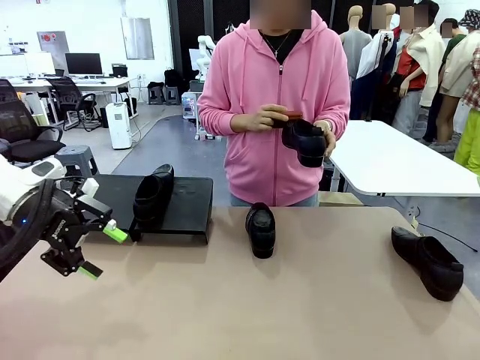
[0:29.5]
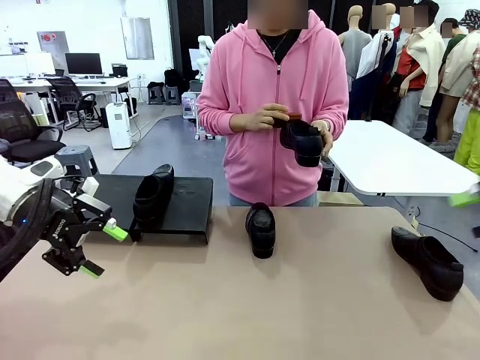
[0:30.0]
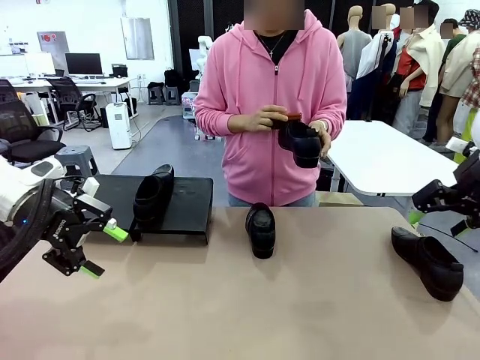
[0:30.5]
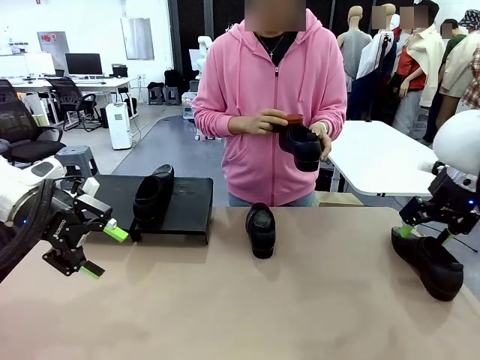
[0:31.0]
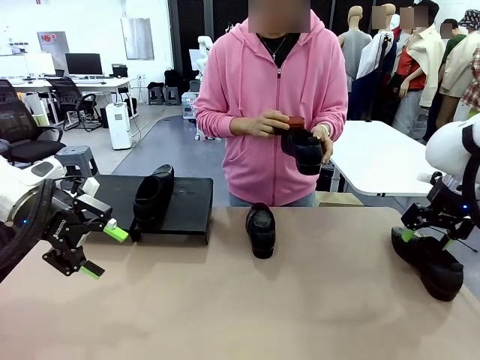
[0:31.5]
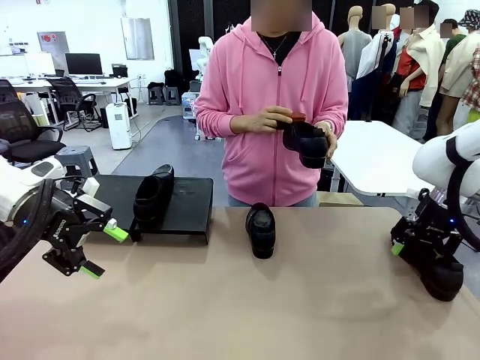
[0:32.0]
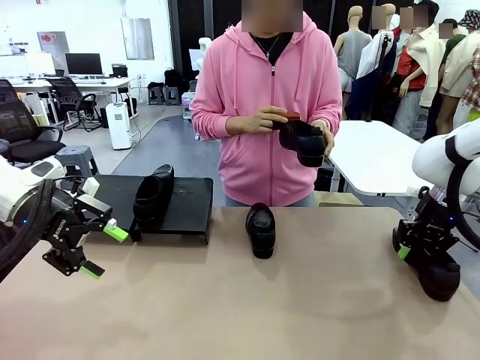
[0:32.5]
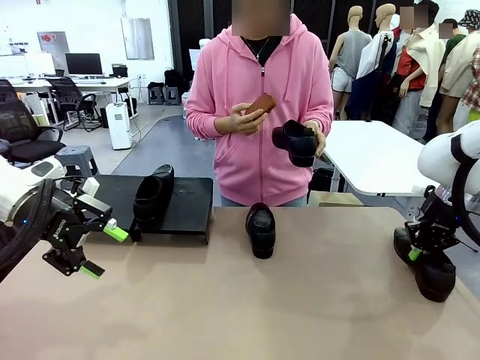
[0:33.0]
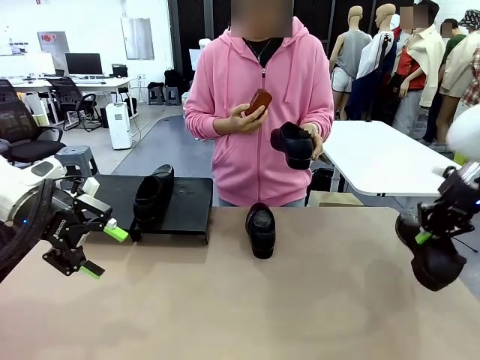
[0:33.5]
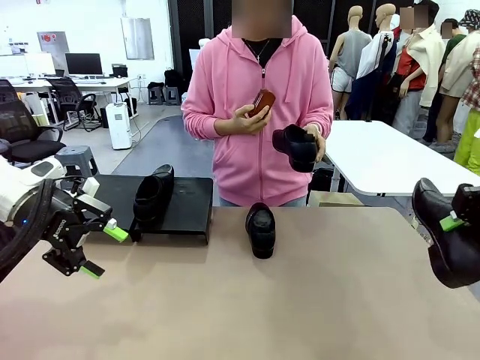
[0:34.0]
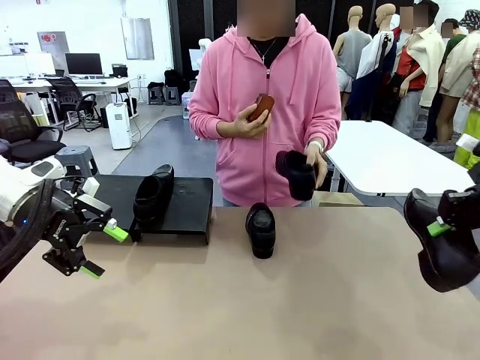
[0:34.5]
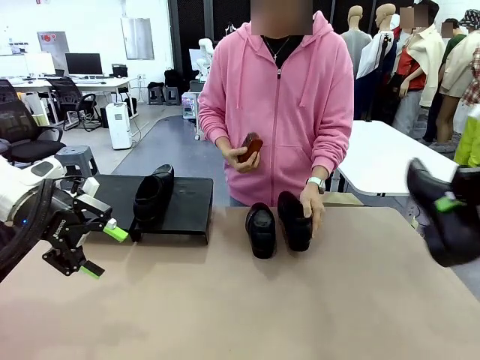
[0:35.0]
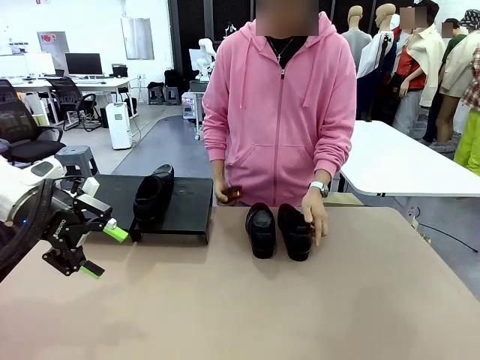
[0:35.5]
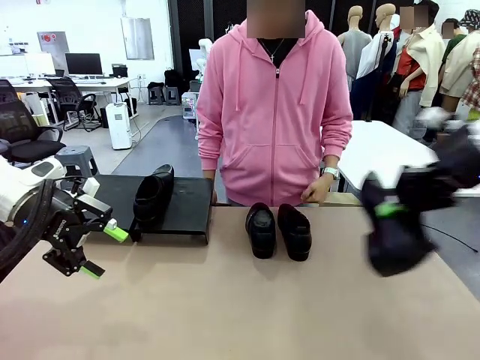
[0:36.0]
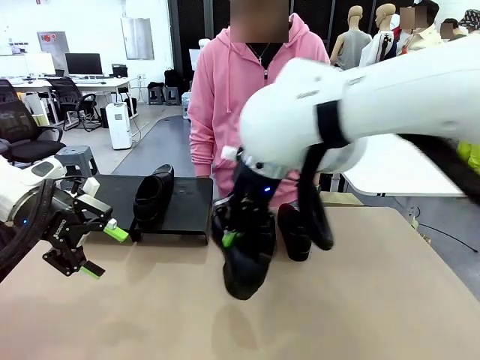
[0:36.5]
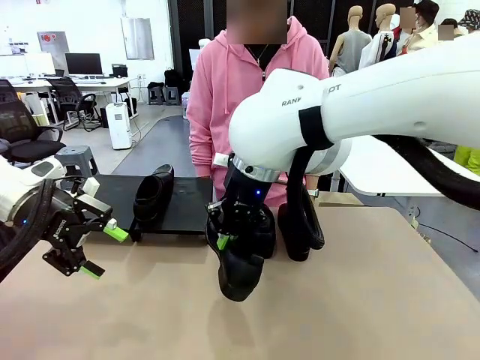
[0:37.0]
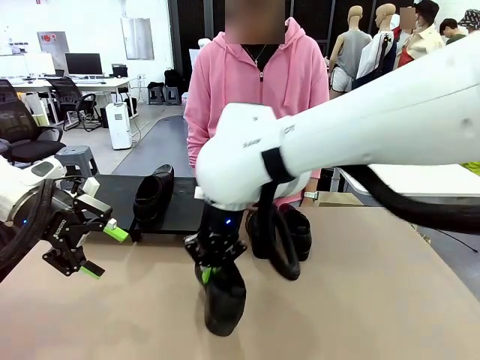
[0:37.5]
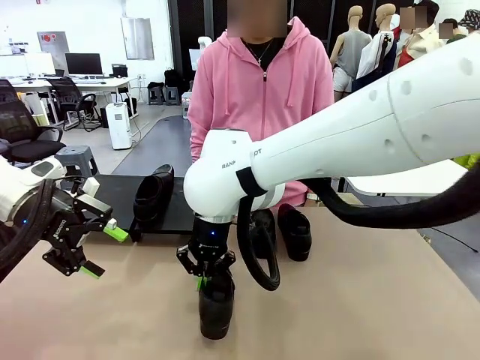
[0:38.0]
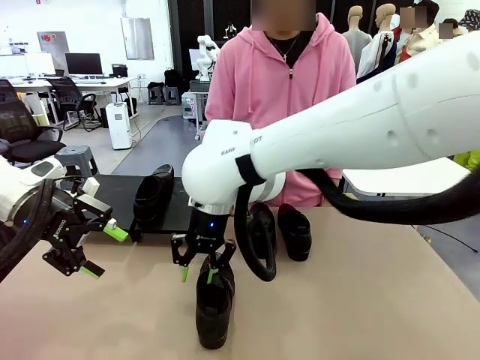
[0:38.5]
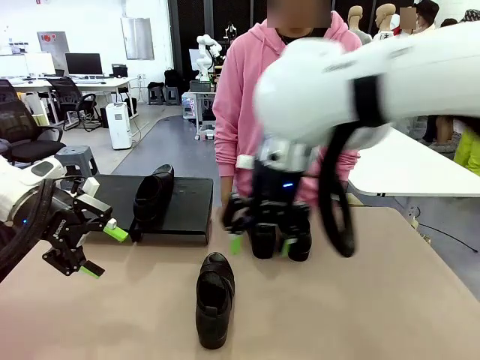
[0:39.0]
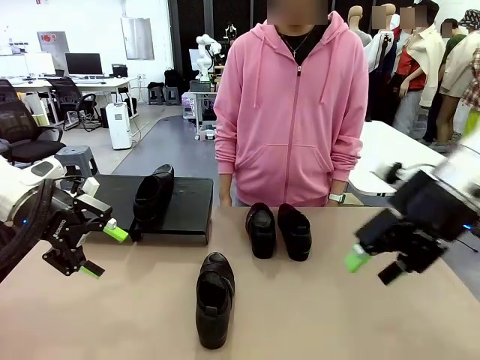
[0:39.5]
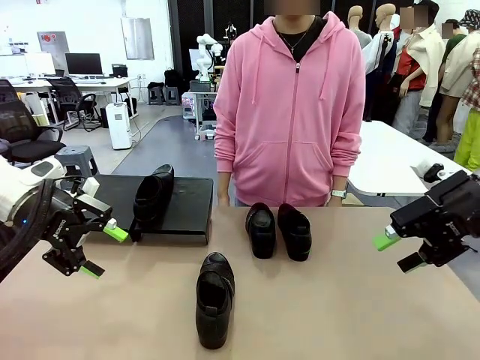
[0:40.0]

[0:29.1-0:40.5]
Task: Organize the shoes by placing them on the stand.
Robot: Pick up one Shoe and place it in the middle of the table.

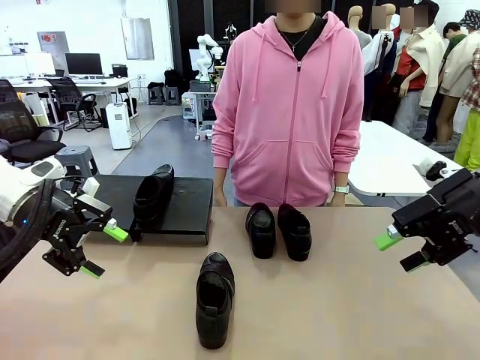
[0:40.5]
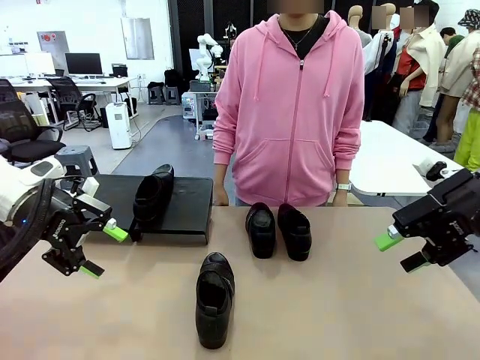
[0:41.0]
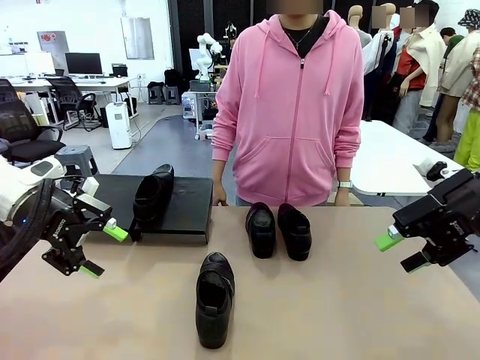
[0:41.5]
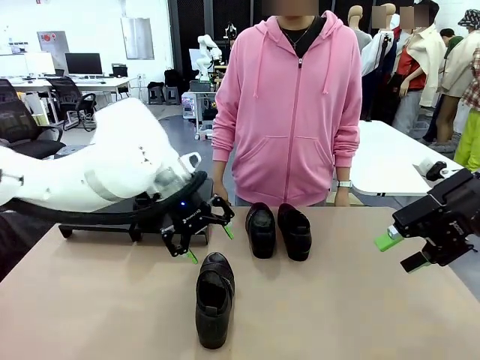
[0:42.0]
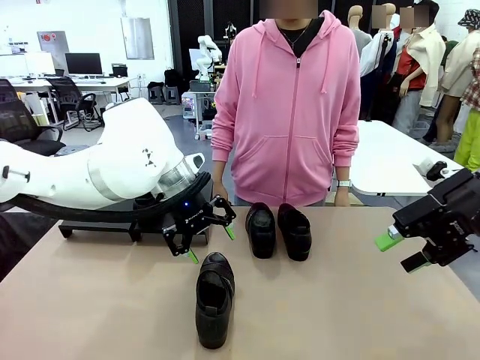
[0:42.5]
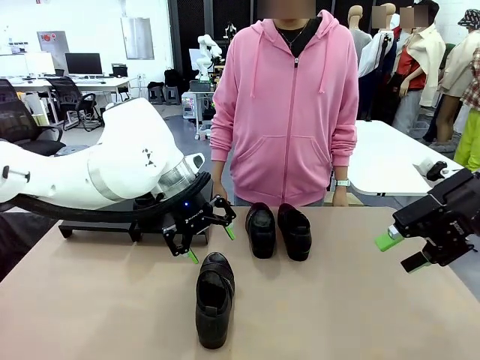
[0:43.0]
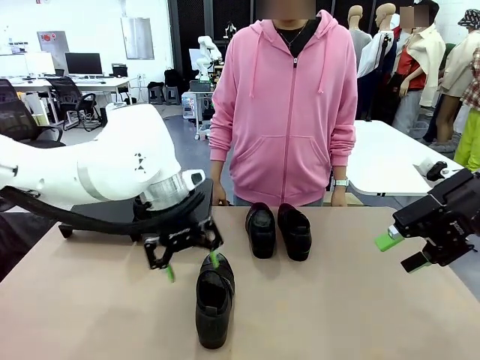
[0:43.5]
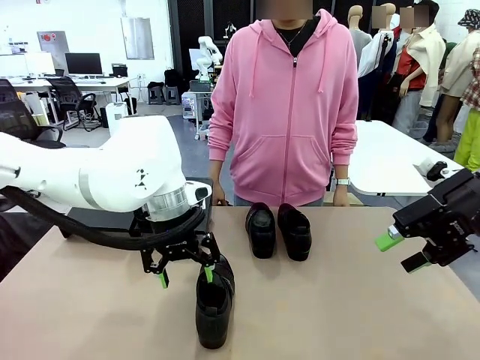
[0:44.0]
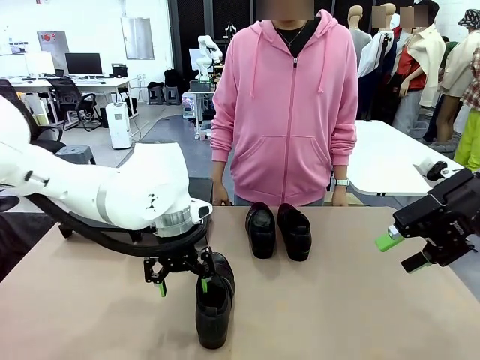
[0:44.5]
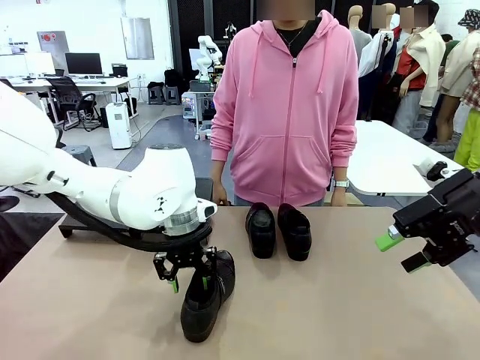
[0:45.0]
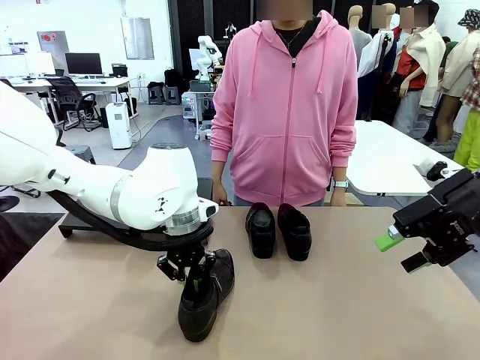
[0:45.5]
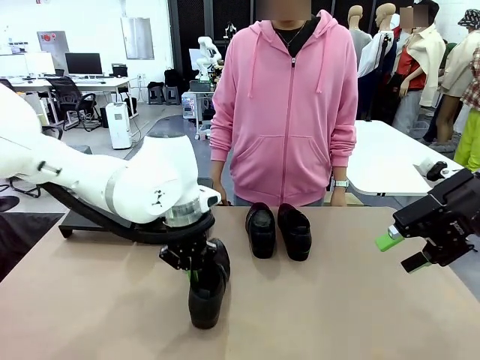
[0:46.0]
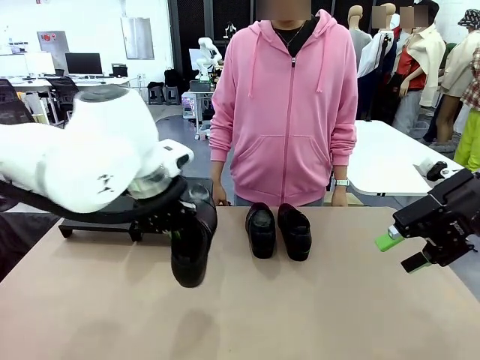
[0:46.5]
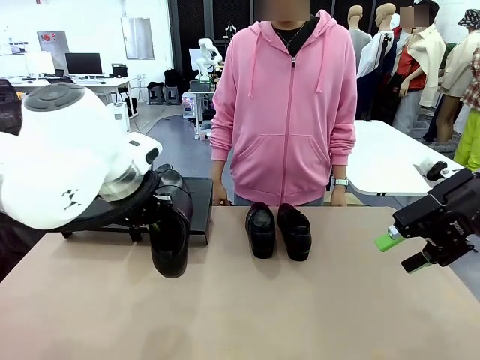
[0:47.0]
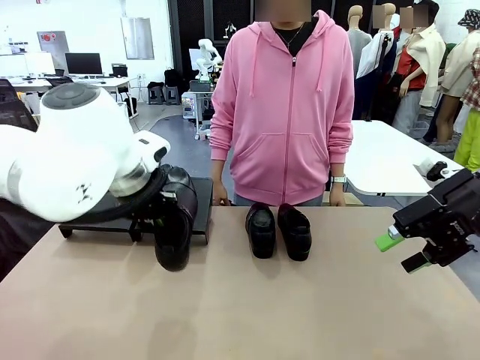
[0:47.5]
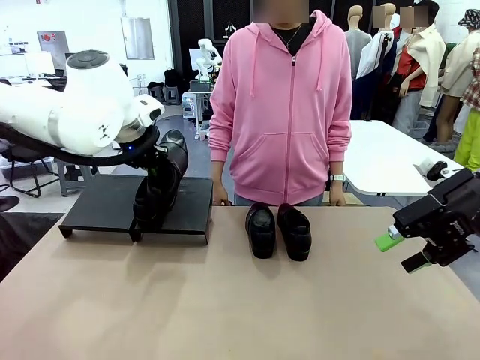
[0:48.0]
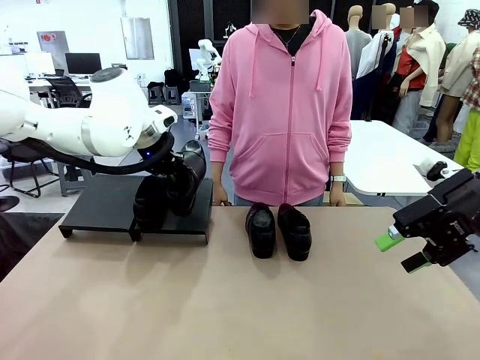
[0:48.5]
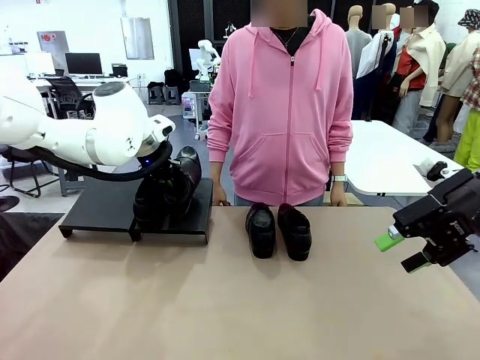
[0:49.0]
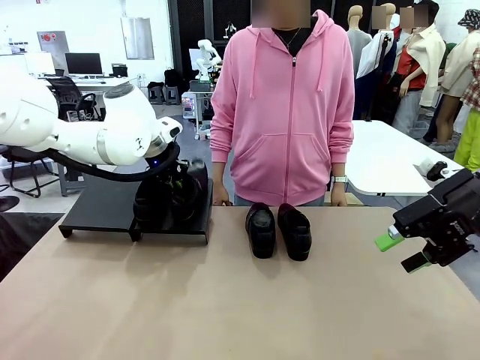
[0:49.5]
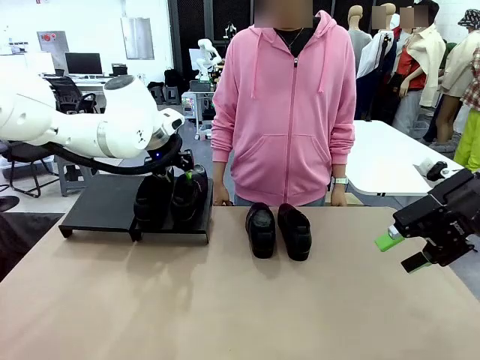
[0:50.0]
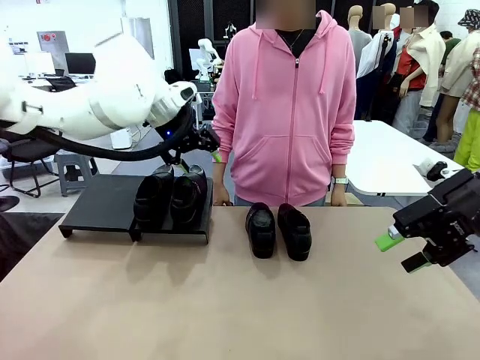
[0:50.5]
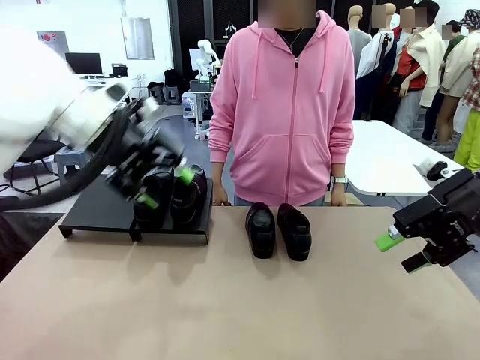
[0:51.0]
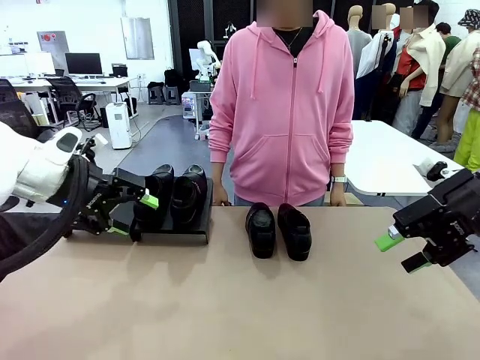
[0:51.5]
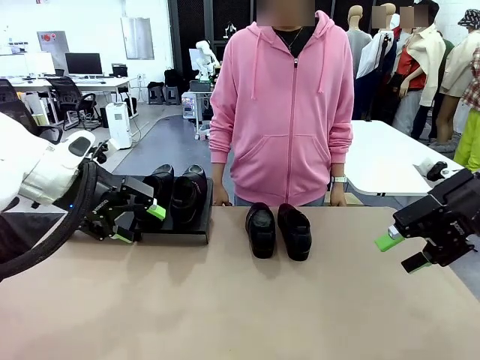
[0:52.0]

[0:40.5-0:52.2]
Robot: Place the Shoe from the middle of the table onto the Shoes Stand.

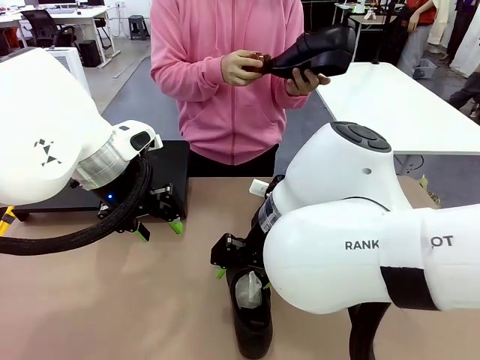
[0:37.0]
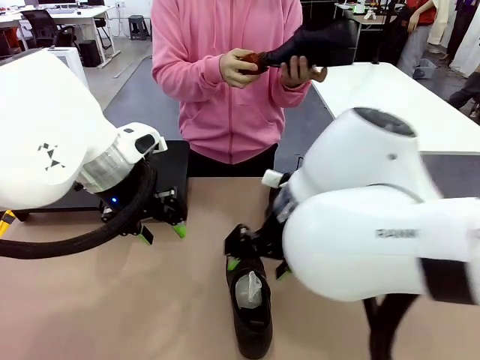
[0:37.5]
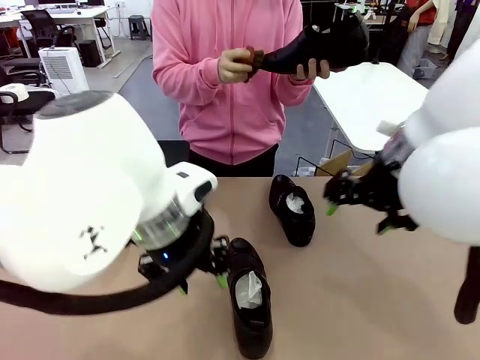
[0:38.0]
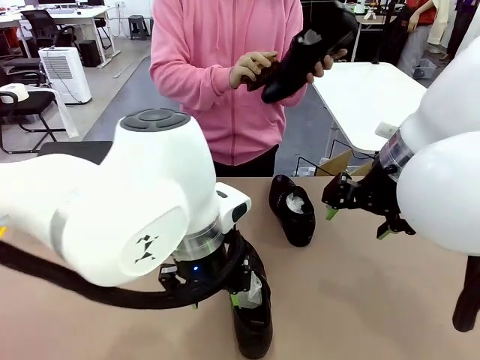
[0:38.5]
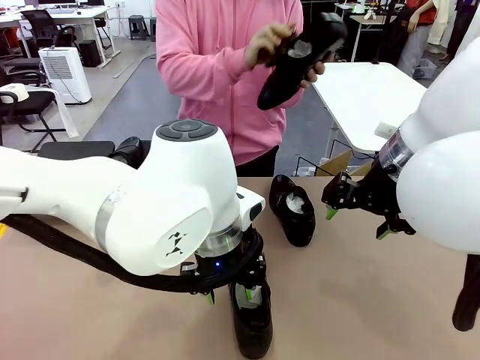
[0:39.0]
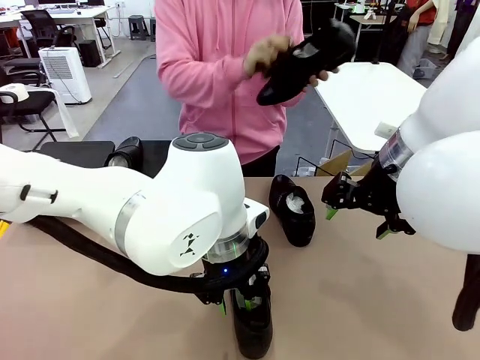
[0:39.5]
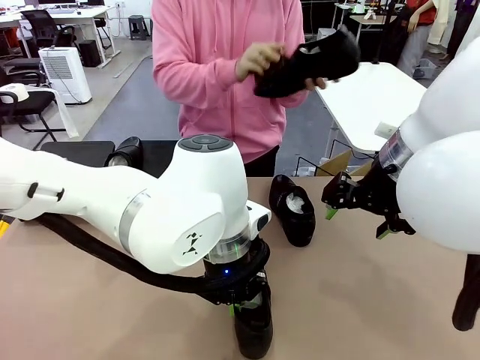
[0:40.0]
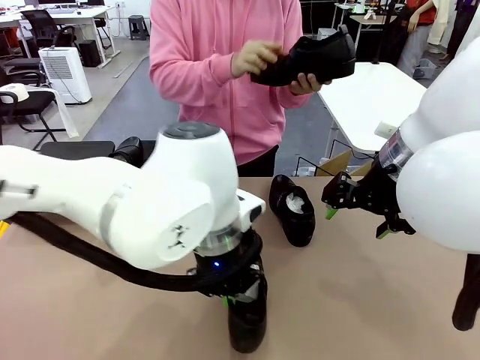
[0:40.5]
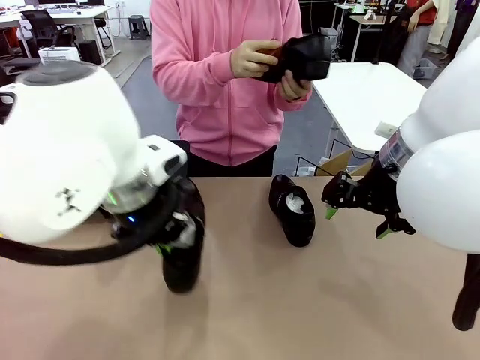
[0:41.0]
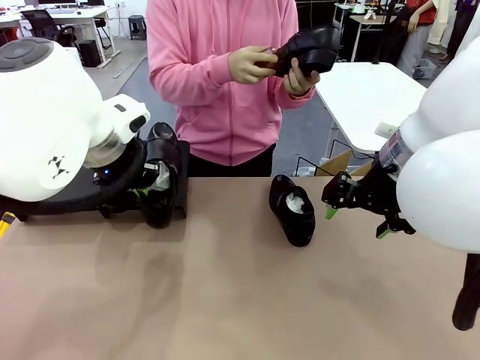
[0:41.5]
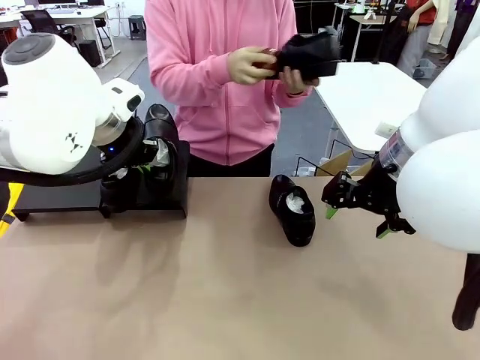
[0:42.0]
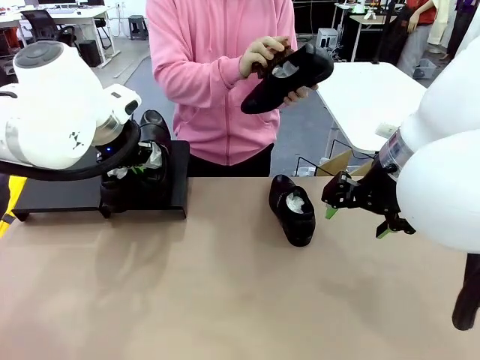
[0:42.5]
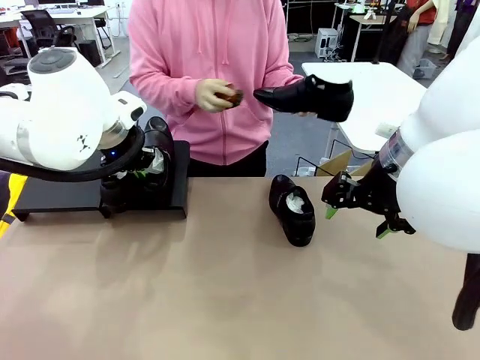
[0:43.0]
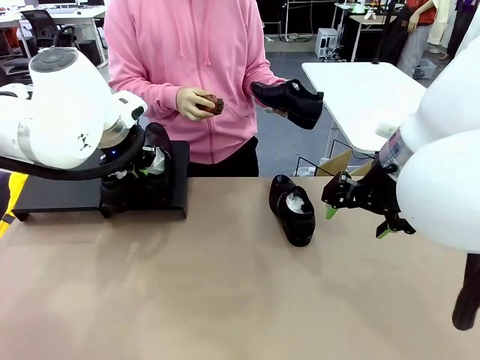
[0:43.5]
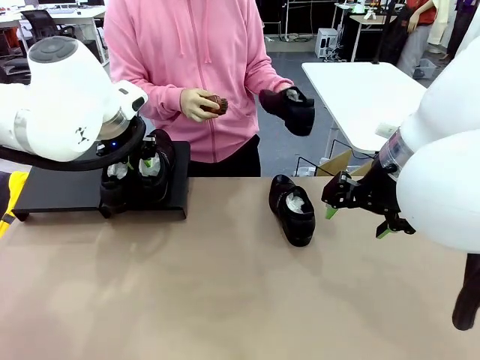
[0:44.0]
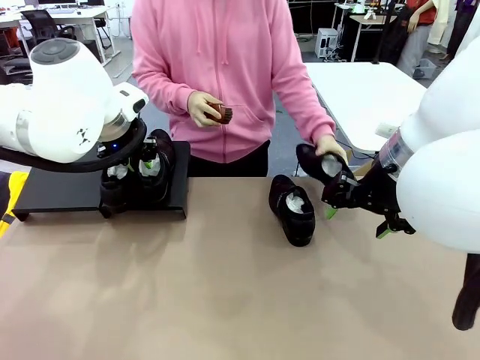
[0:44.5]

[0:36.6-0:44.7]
Task: Organize the shoes by placing them on the stand.
Robot: Place the Shoe from the middle of the table onto the Shoes Stand.
